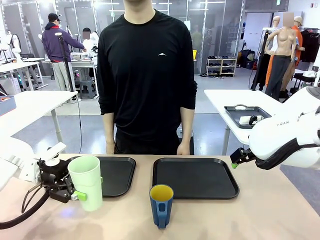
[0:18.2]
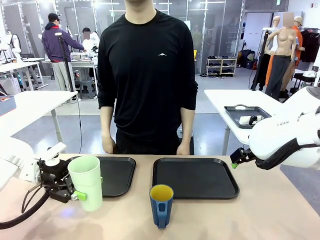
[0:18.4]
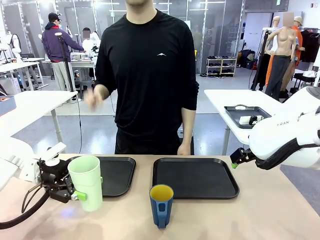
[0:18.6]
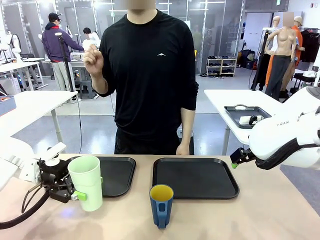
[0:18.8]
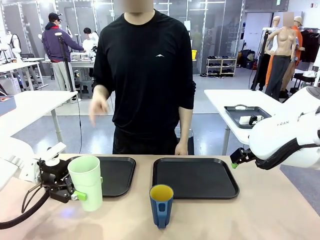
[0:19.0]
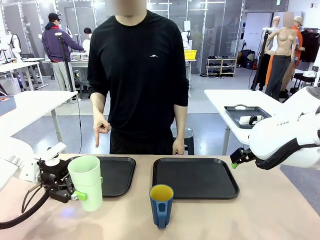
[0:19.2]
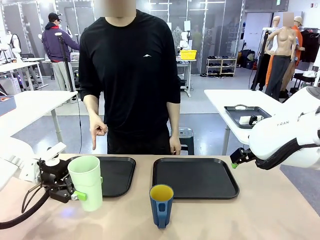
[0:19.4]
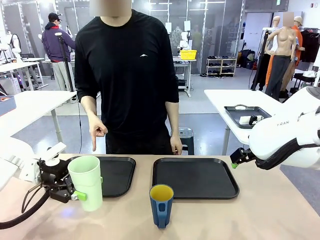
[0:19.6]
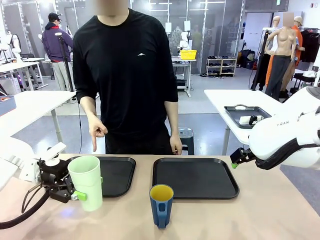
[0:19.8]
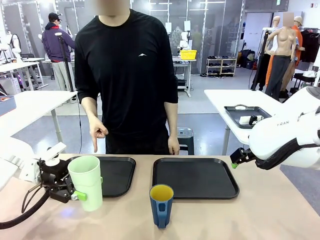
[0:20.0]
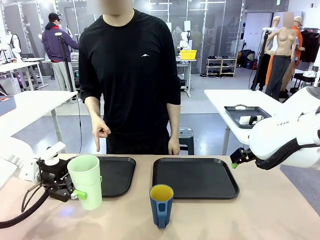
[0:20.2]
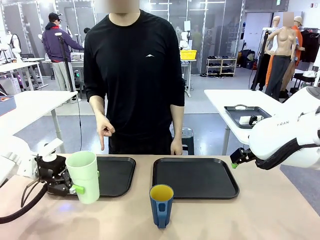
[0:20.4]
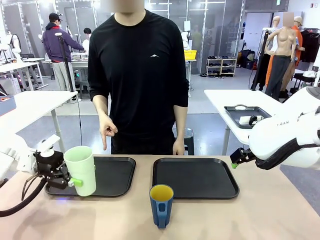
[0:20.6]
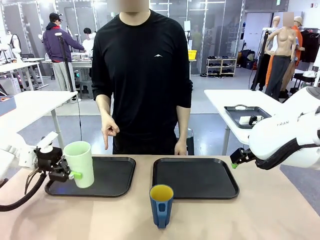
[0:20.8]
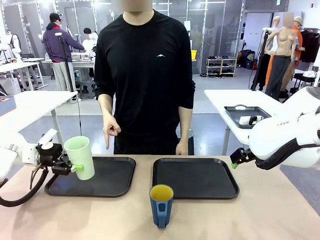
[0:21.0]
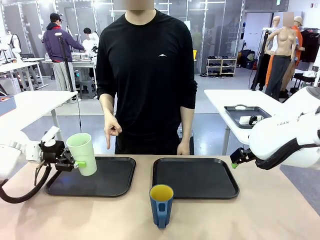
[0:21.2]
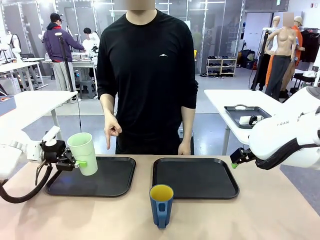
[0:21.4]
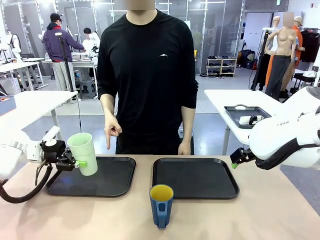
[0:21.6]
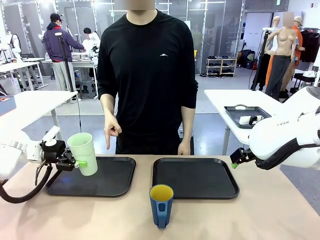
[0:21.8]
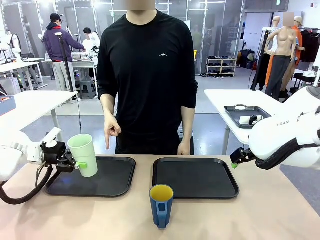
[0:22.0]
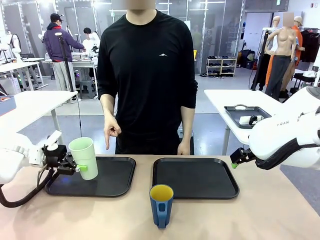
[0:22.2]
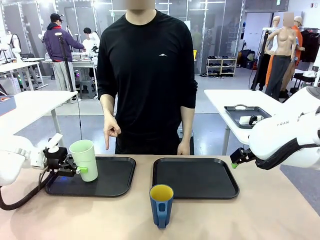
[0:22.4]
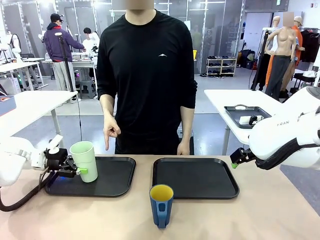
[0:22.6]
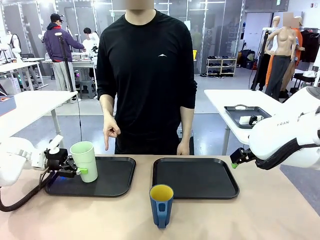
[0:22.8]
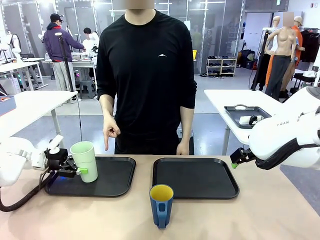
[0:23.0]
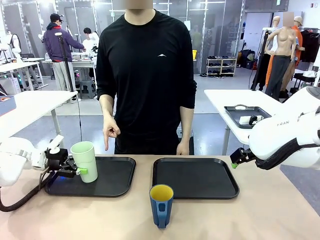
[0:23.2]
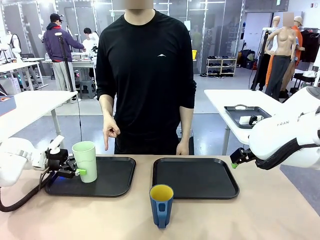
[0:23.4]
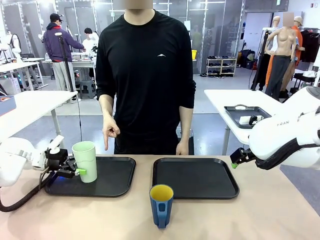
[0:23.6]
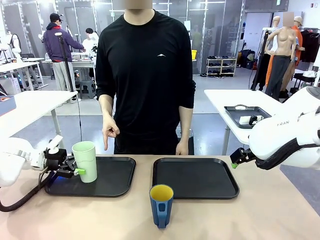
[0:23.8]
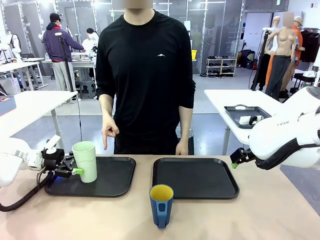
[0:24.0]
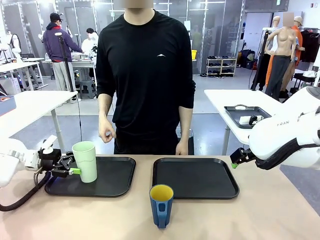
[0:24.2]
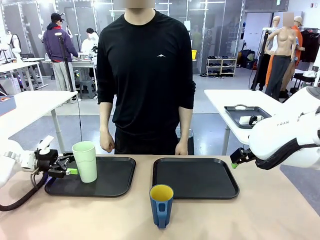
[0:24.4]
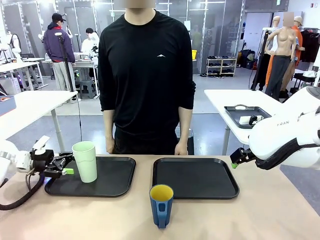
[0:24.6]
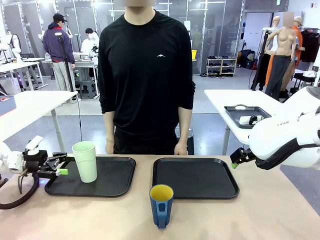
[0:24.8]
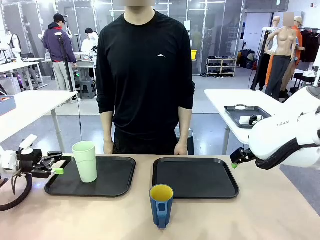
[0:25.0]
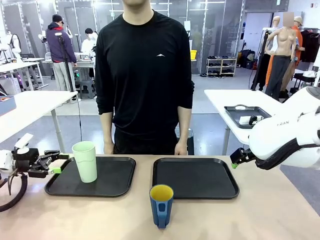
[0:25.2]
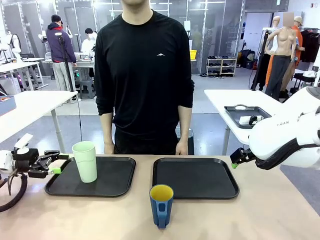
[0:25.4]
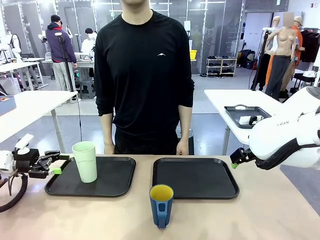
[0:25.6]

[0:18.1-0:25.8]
Task: Sort and store the cups by type.
Robot: Place the picked Reusable plastic cup into the Flat Tray indicated by the person.

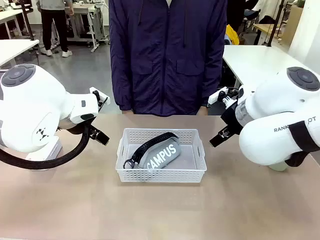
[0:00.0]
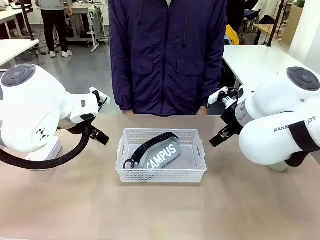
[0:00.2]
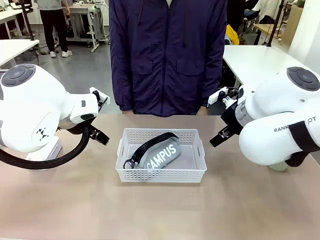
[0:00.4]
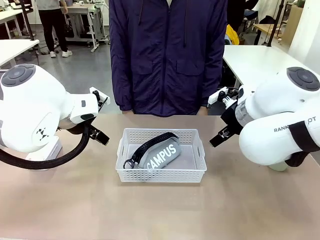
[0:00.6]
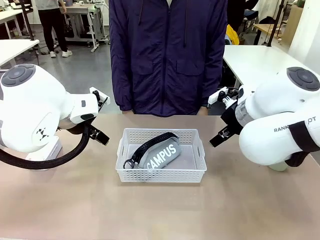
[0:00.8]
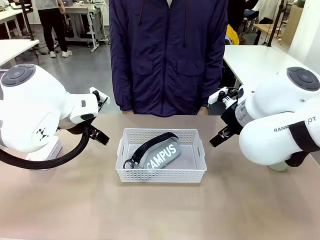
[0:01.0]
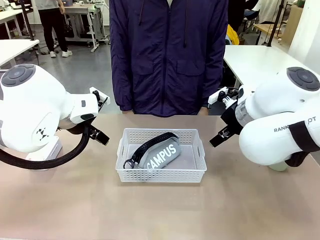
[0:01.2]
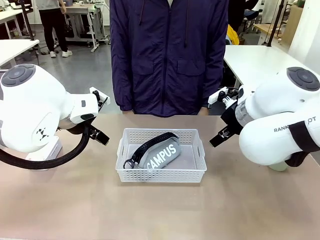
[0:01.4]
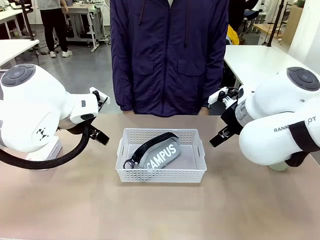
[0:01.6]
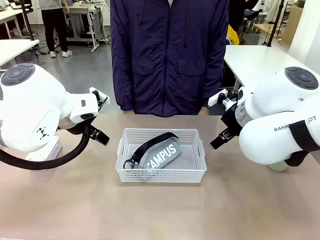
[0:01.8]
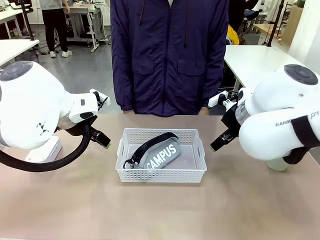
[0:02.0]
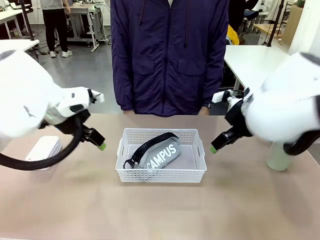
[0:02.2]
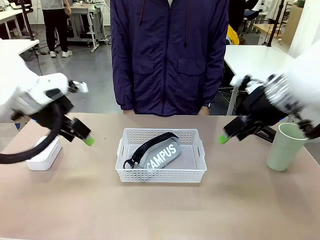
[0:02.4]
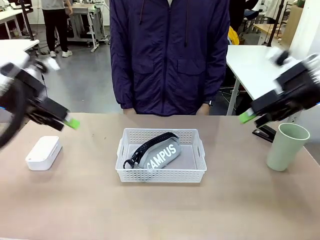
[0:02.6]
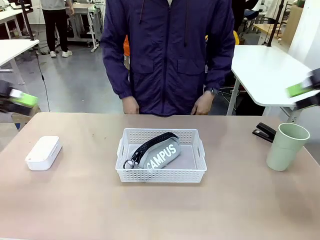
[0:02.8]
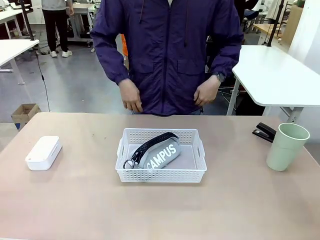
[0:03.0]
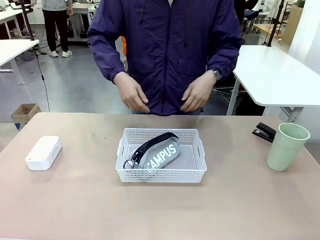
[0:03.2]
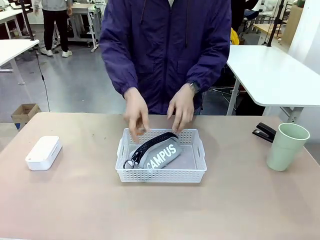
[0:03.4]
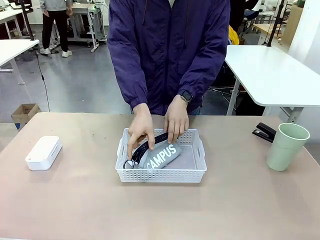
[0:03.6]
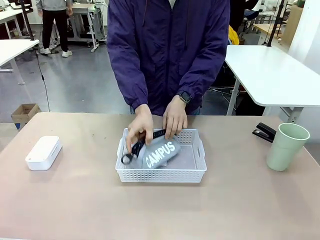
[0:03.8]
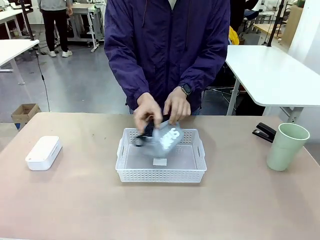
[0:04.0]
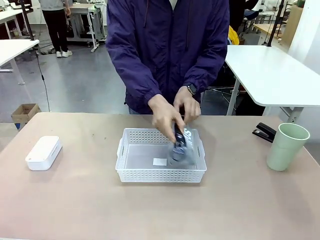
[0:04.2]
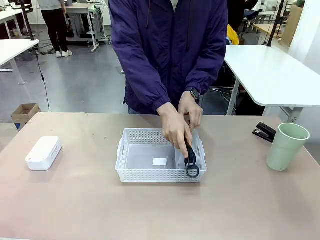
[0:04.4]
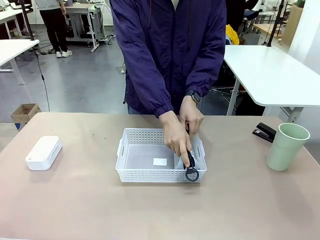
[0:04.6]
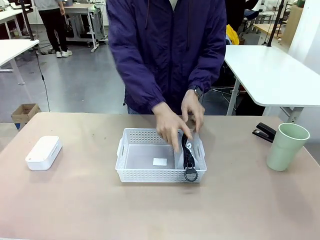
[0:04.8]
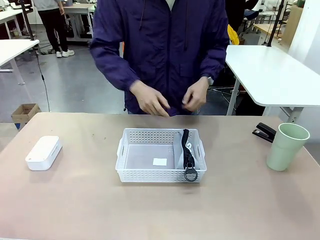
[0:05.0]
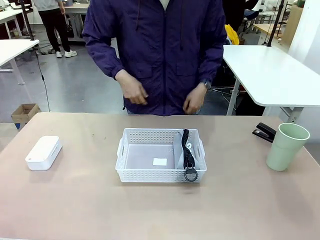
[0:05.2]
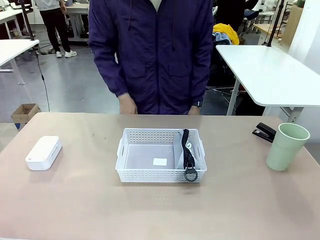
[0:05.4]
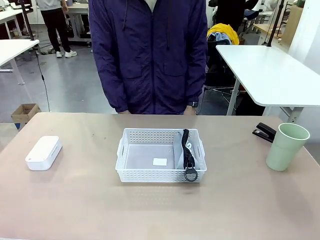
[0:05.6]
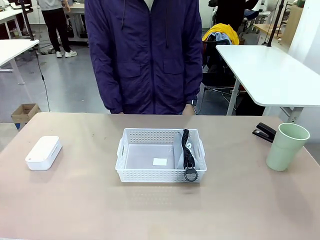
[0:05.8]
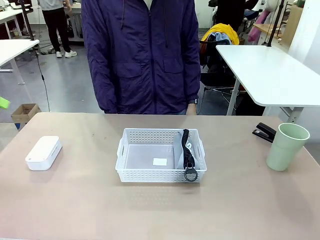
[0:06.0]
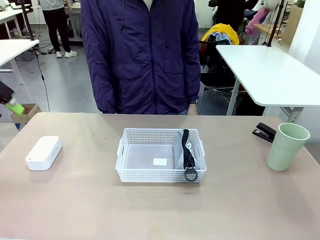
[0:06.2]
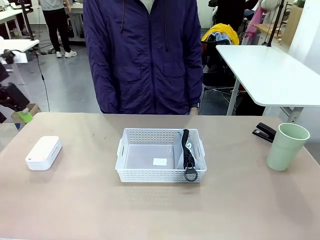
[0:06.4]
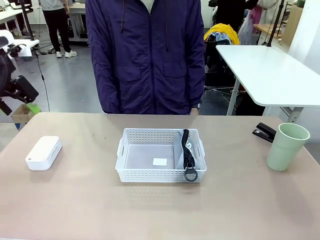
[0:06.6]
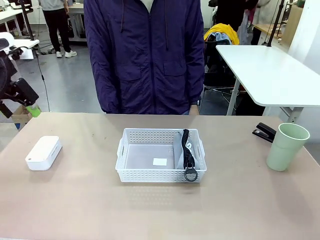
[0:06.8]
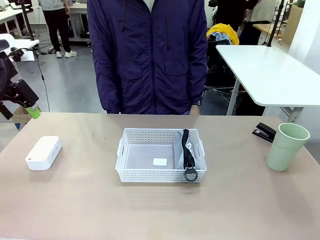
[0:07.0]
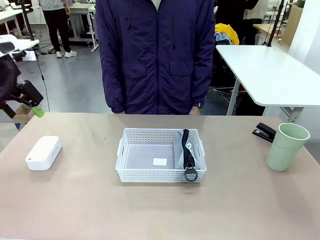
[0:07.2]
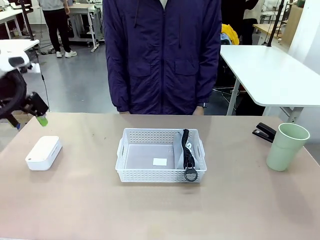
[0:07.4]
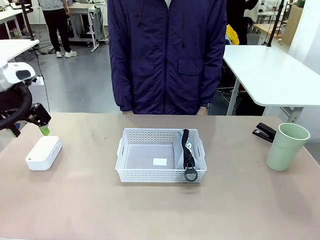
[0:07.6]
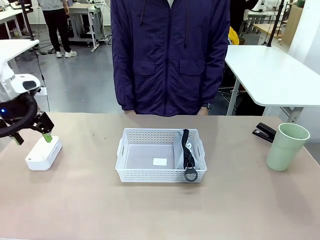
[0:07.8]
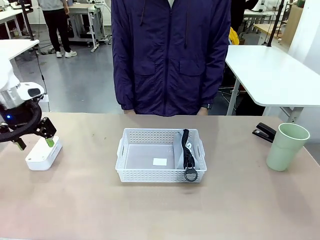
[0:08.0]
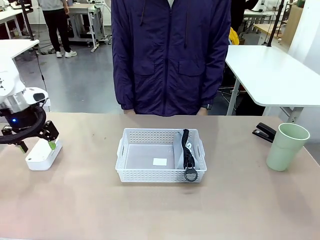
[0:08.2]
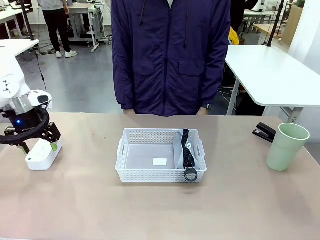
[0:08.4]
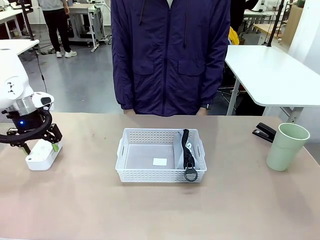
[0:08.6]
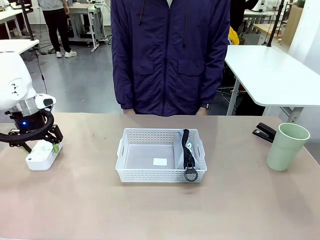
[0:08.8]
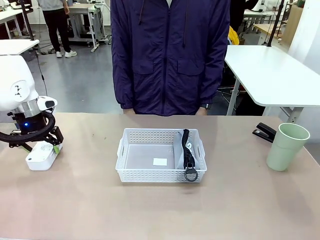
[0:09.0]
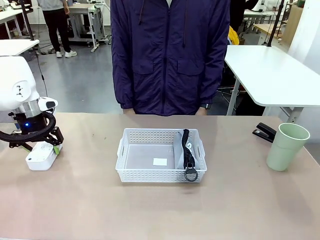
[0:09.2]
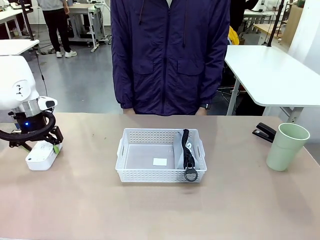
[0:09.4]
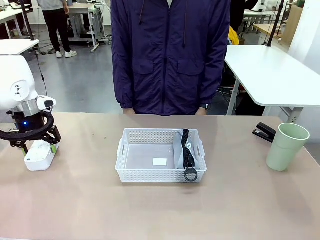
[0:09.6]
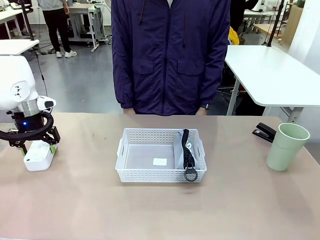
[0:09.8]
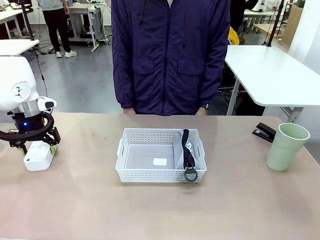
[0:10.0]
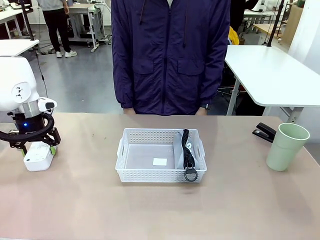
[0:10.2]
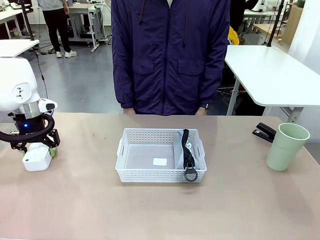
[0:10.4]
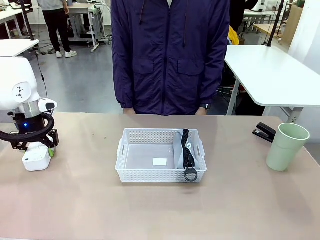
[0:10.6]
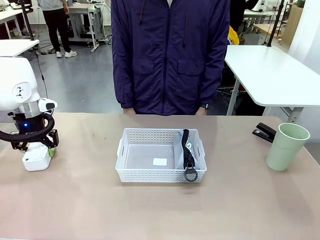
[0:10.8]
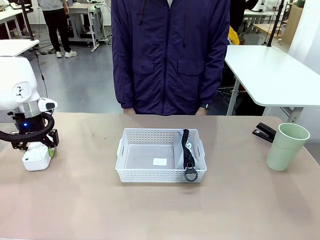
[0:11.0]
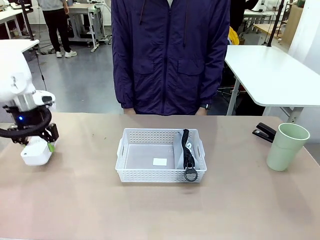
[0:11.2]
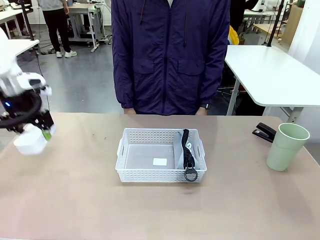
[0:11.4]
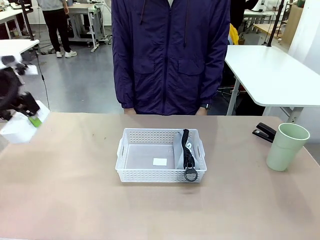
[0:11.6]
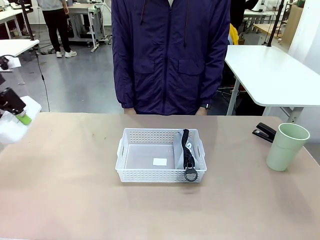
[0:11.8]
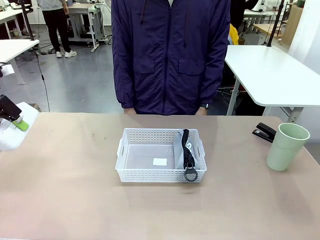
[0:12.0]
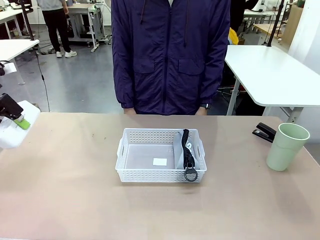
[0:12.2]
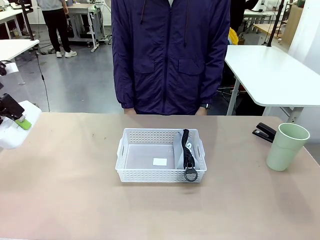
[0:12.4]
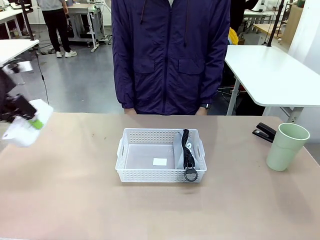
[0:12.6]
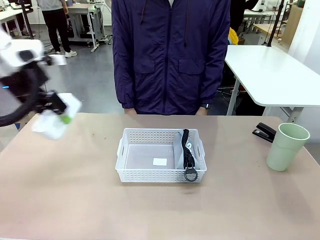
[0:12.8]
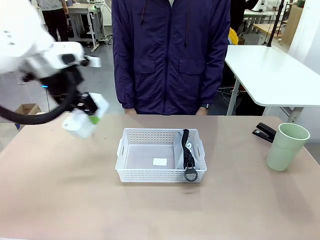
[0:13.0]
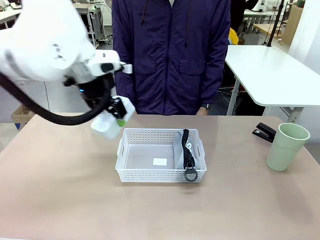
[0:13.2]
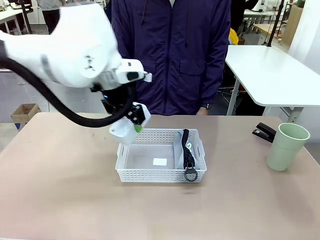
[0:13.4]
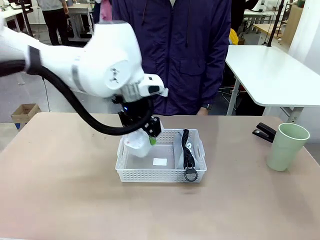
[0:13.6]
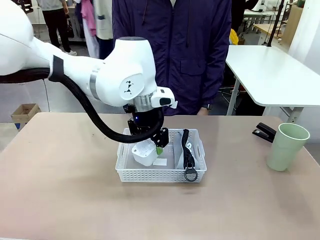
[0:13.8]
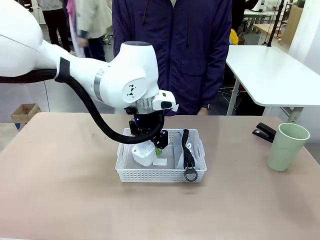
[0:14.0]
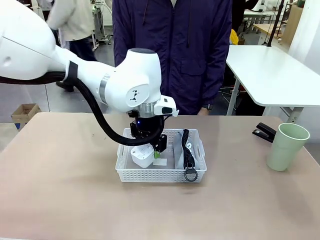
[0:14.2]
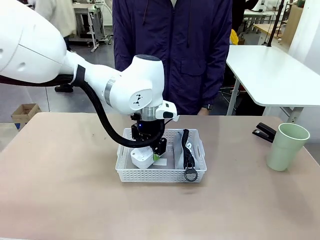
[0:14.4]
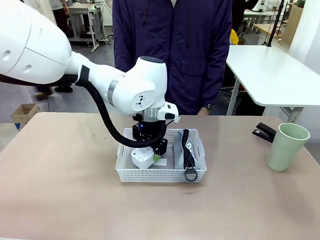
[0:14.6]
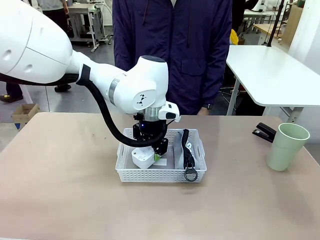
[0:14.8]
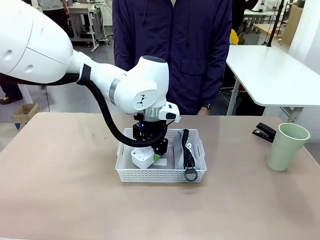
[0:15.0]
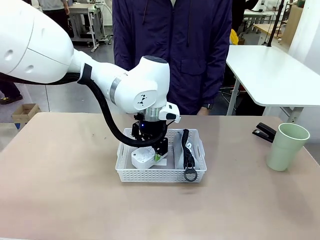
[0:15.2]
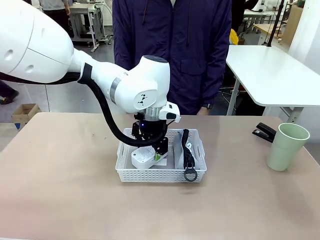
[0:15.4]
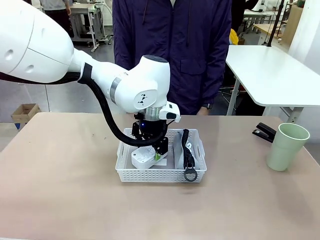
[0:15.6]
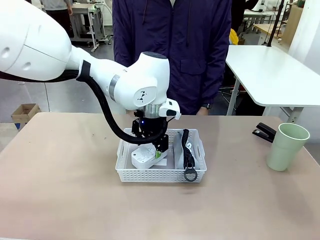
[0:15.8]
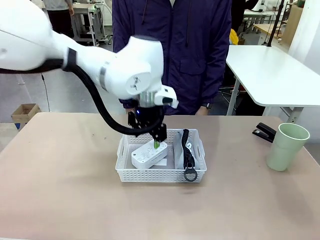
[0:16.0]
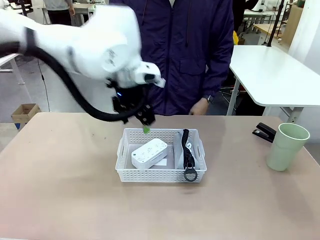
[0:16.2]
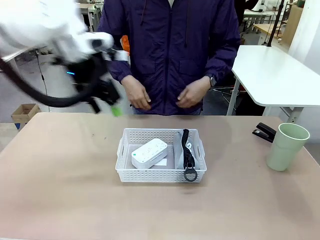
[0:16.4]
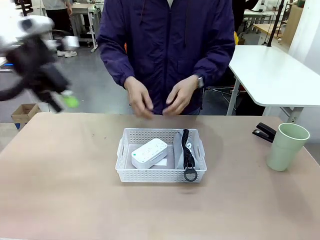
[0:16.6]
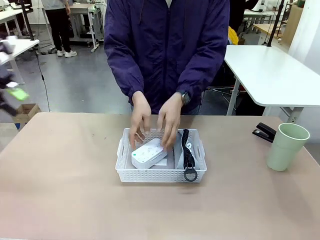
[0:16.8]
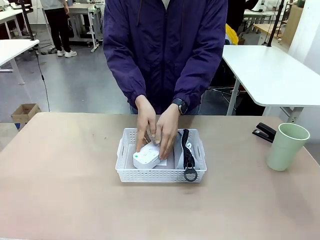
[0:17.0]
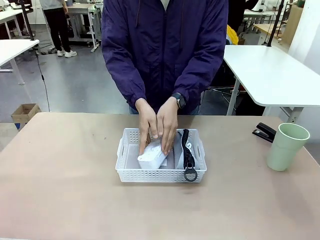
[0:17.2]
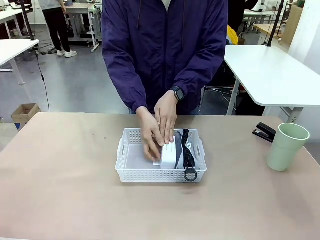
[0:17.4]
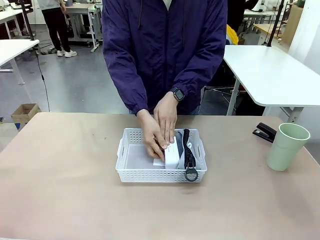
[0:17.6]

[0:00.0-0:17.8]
Task: Efficiently arrange items inside the basket to fit them all.
Robot: Pick up the Digital clock and place it inside the Organizing basket.
Person: Repositions the pencil case. Repositions the digital clock.
